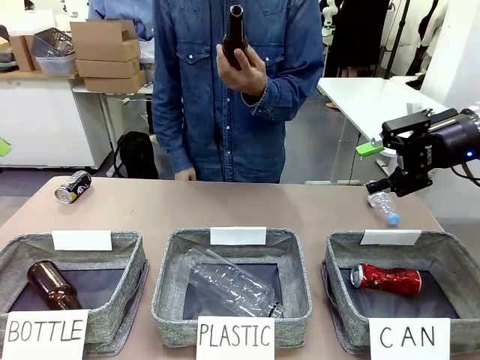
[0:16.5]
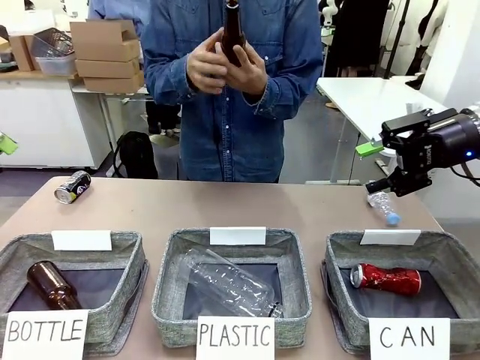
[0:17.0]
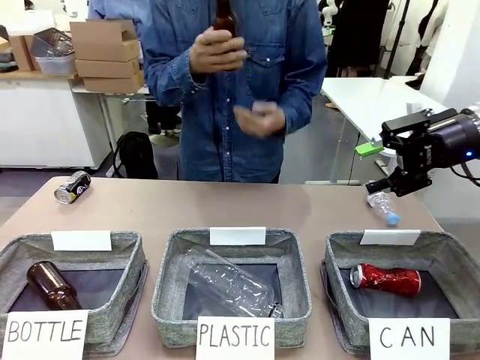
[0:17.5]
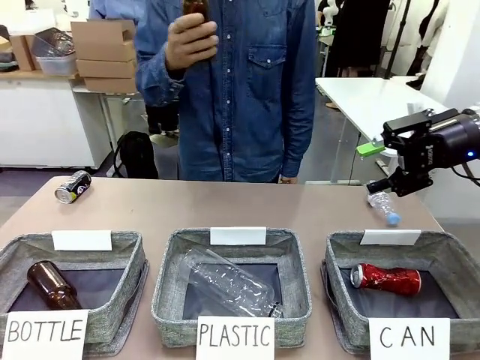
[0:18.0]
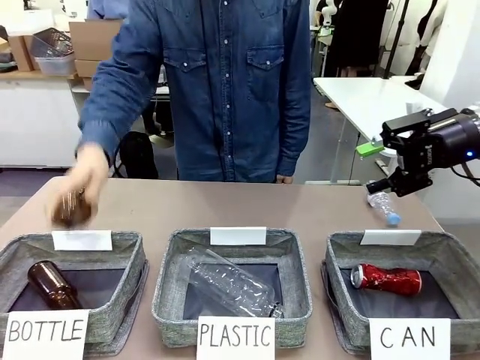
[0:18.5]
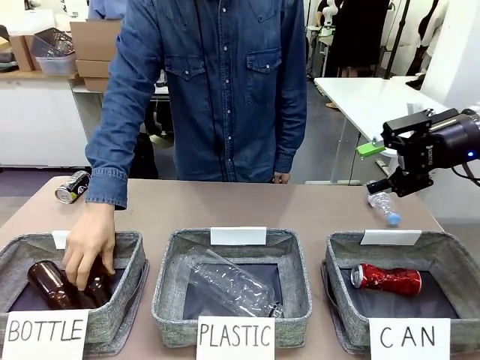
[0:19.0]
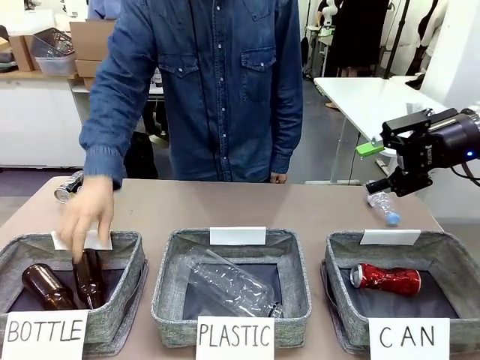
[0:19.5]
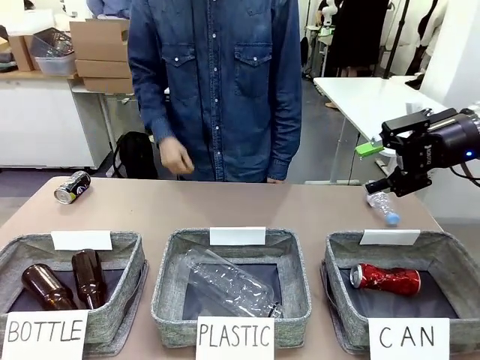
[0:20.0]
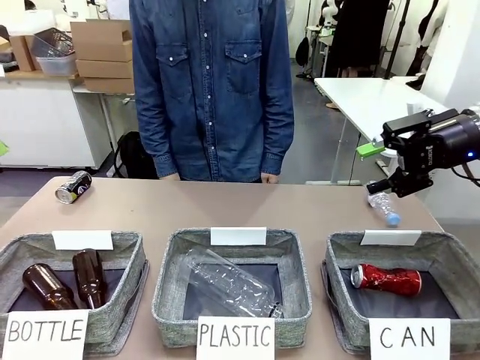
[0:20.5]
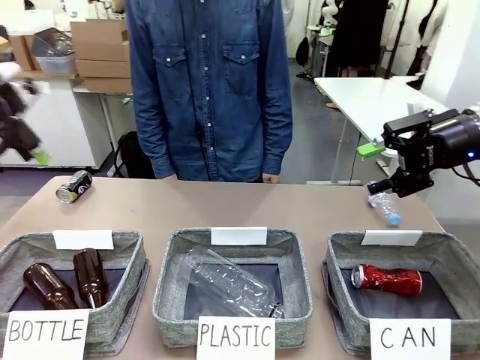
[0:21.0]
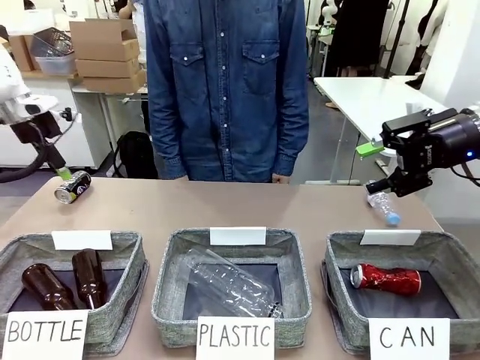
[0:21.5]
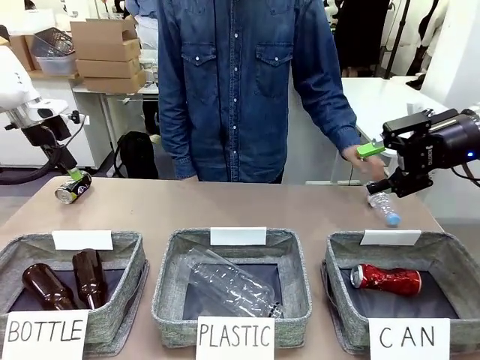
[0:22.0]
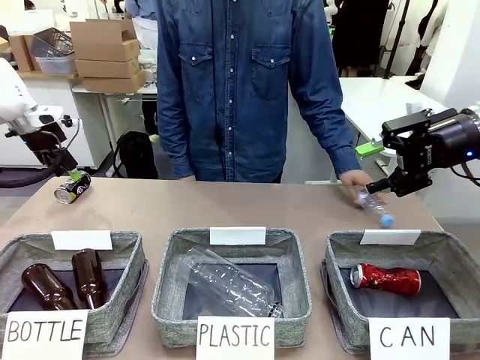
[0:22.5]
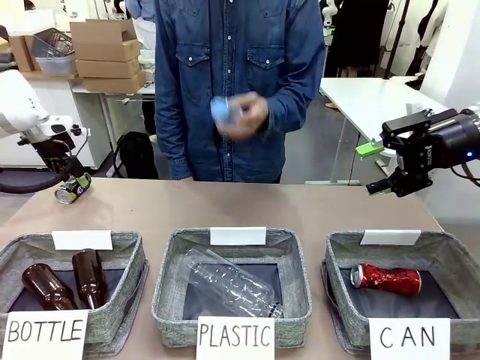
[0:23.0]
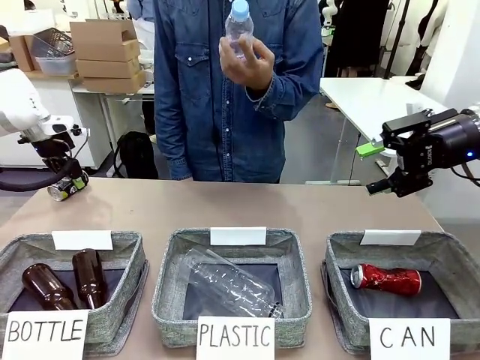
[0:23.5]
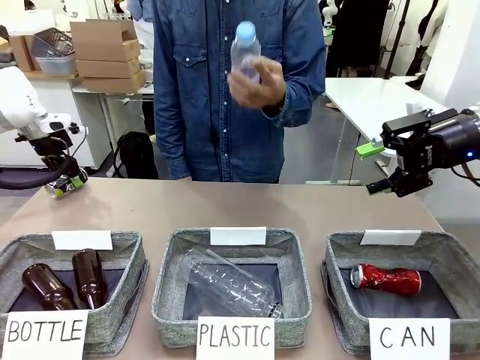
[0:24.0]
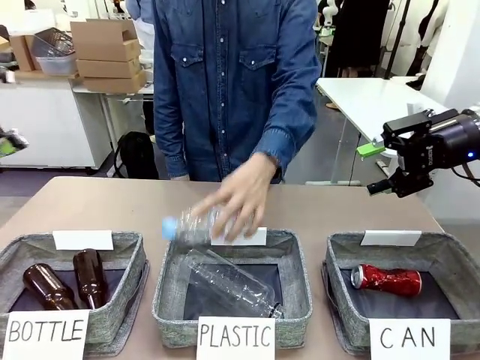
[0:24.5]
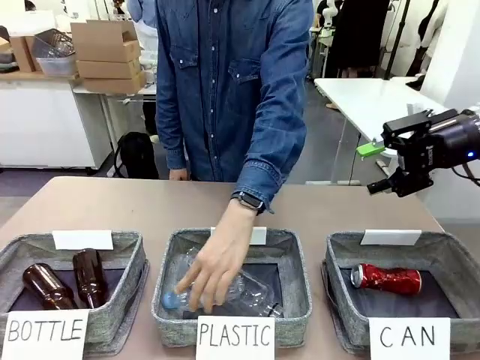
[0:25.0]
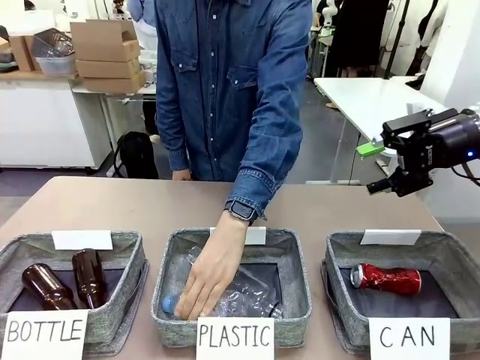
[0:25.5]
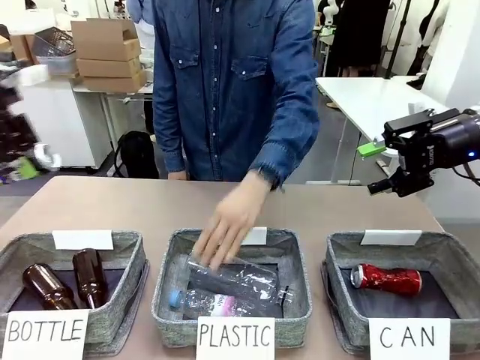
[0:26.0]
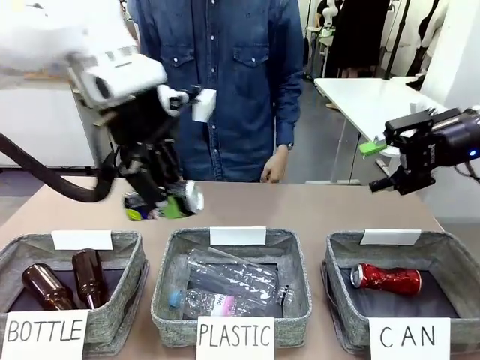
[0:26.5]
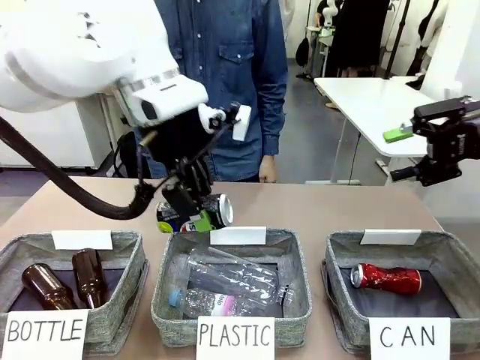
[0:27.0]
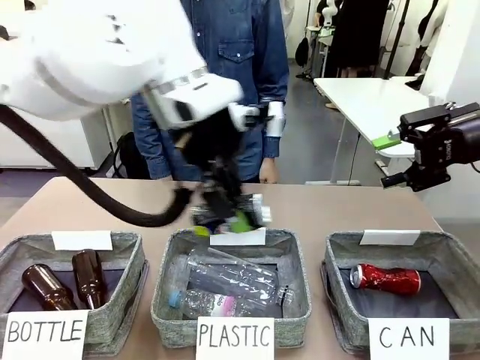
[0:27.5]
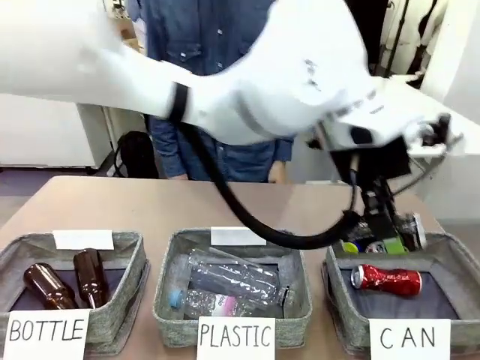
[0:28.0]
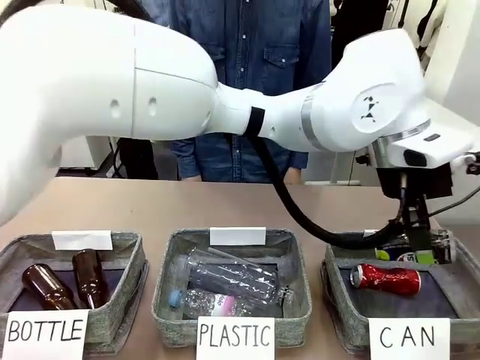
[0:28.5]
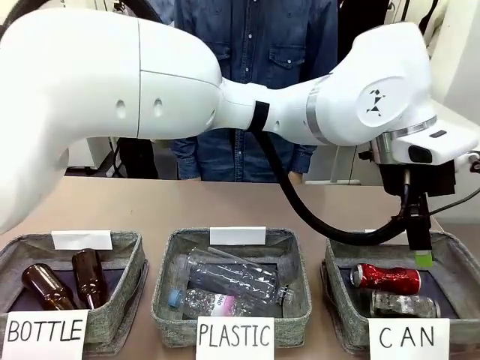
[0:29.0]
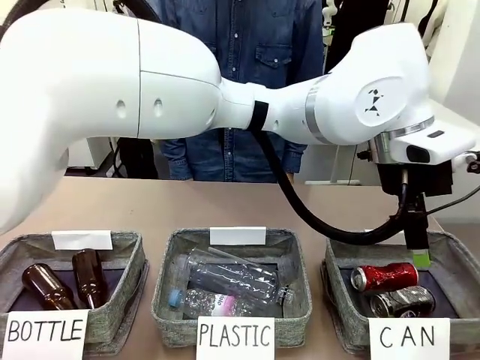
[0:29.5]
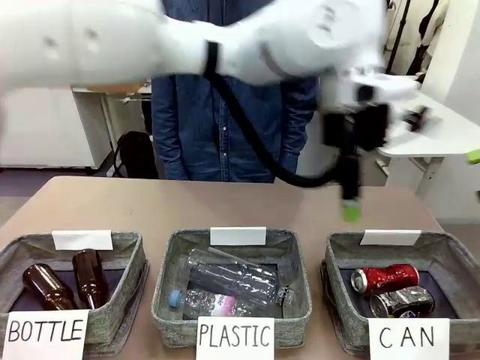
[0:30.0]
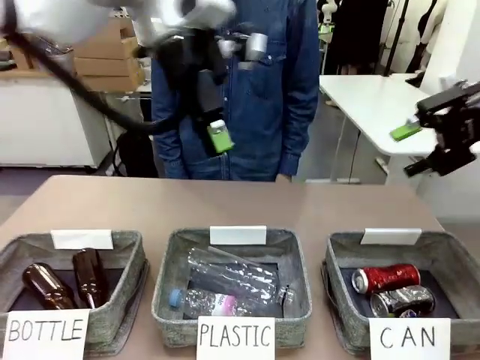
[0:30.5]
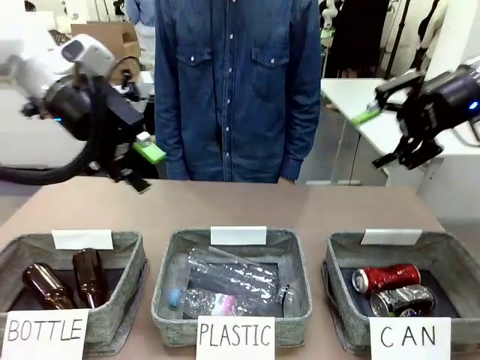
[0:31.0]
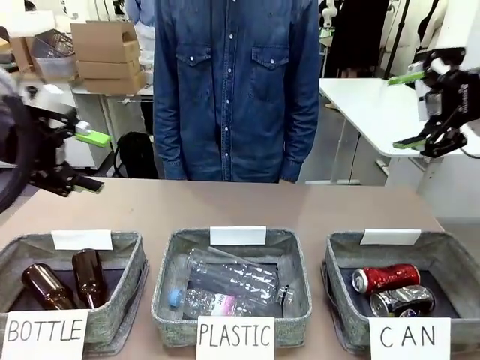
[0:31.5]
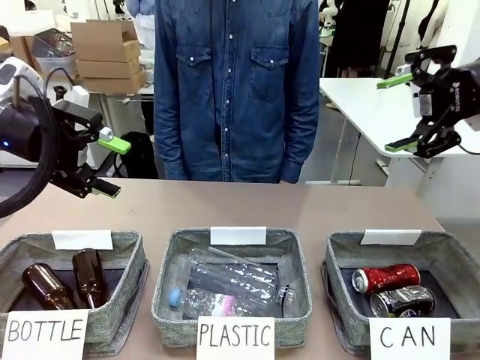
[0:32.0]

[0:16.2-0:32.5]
Task: Sort the can waste into the basket.
Robot: Pick up the can waste from the table and place it in the right Fabric basket.
Person: The human picks up one piece of trash that is not a can and places the trash into the appropriate organizing basket.

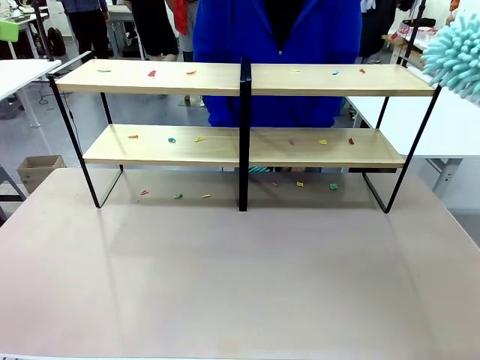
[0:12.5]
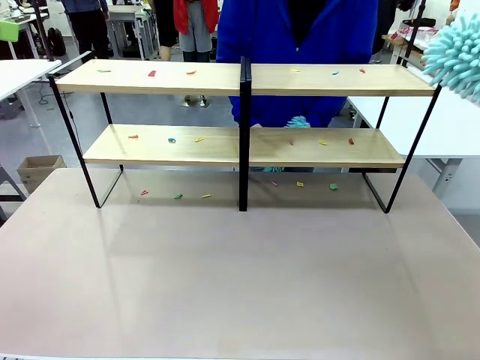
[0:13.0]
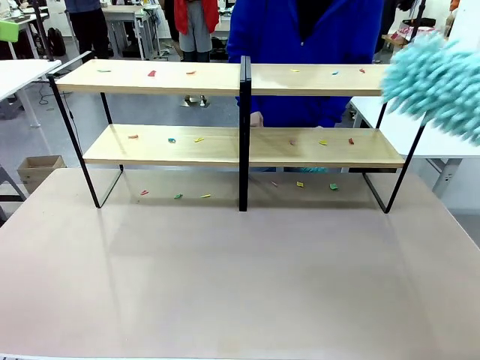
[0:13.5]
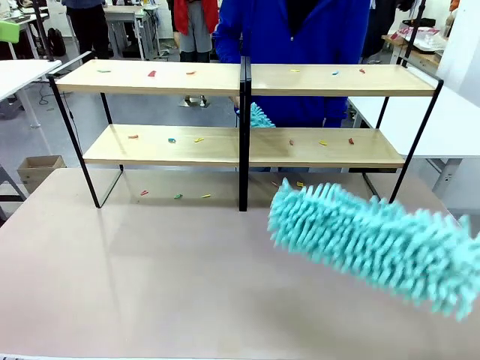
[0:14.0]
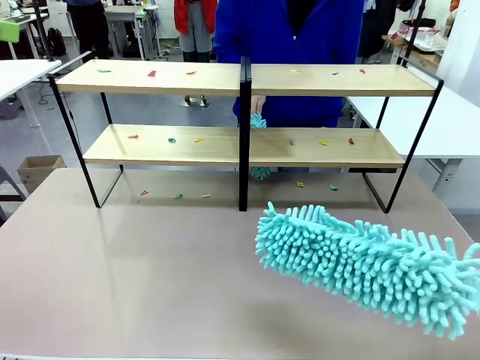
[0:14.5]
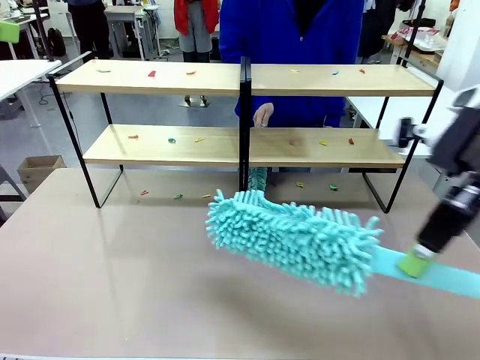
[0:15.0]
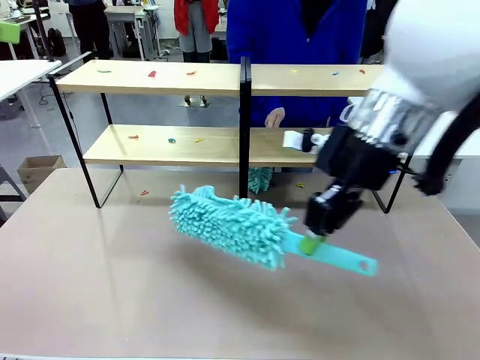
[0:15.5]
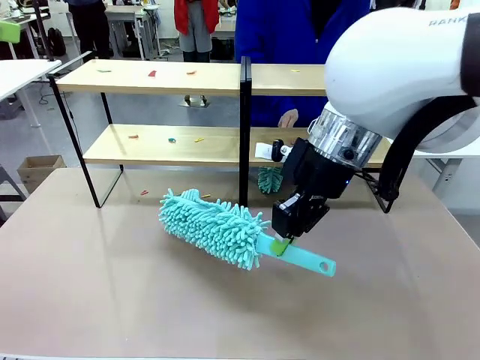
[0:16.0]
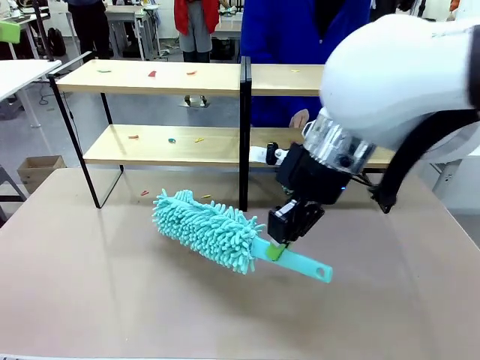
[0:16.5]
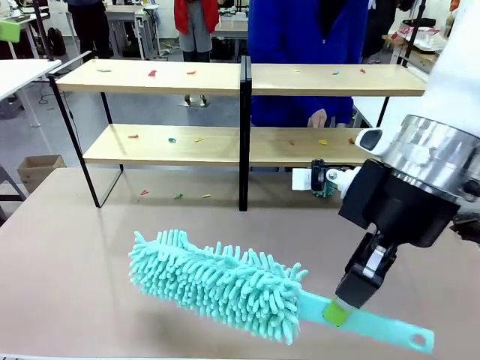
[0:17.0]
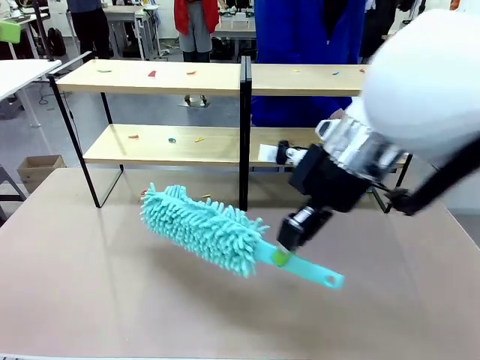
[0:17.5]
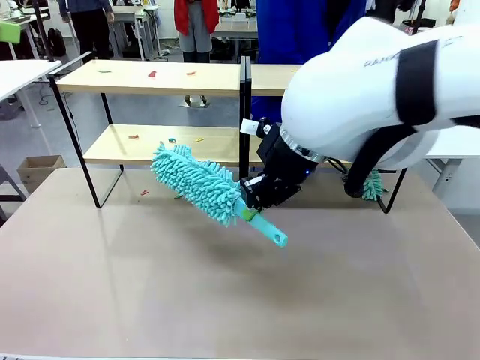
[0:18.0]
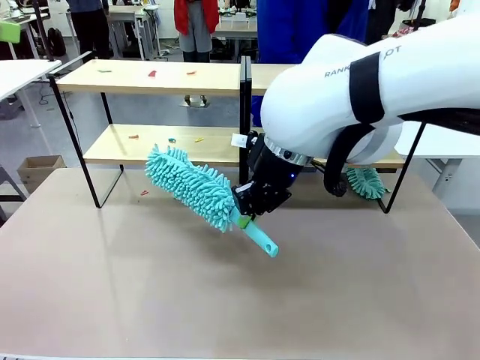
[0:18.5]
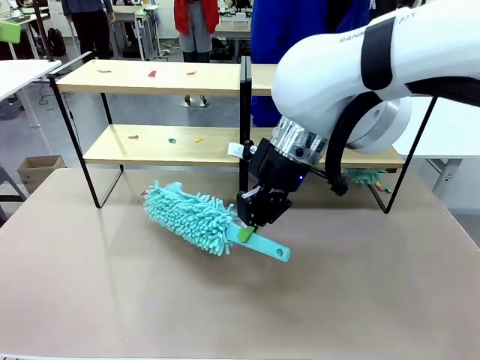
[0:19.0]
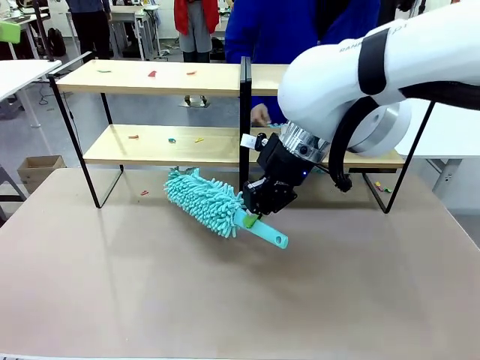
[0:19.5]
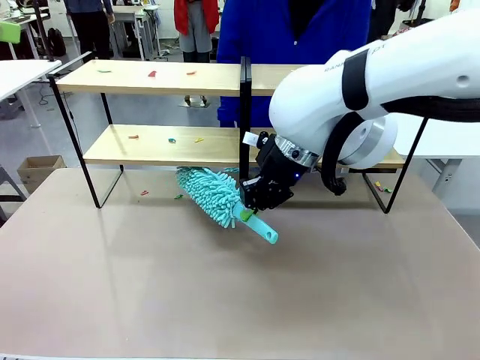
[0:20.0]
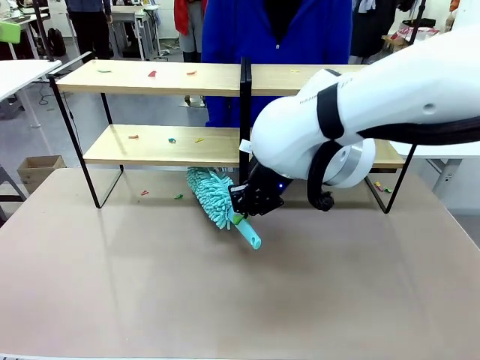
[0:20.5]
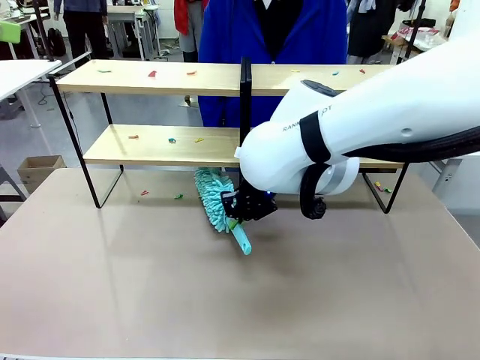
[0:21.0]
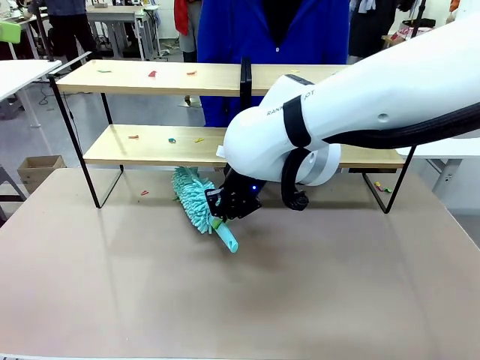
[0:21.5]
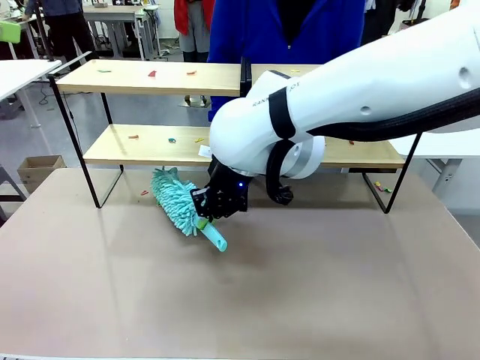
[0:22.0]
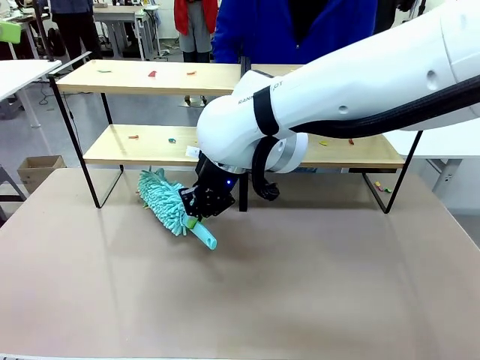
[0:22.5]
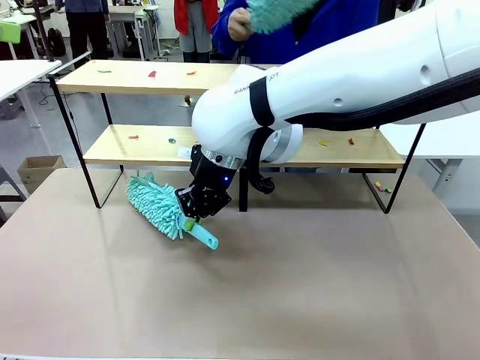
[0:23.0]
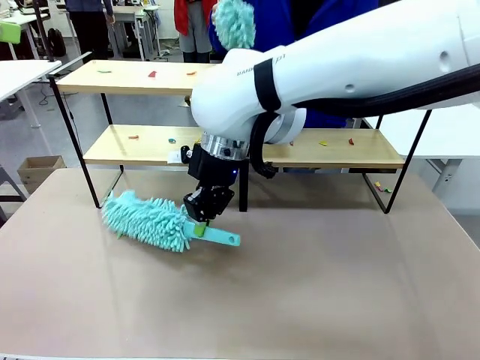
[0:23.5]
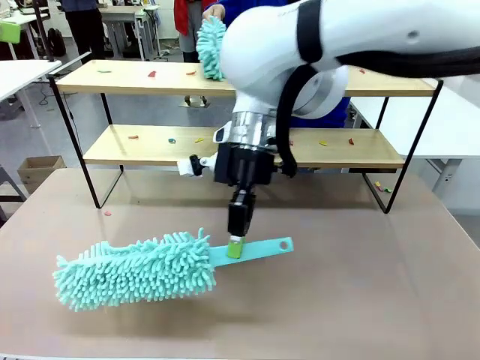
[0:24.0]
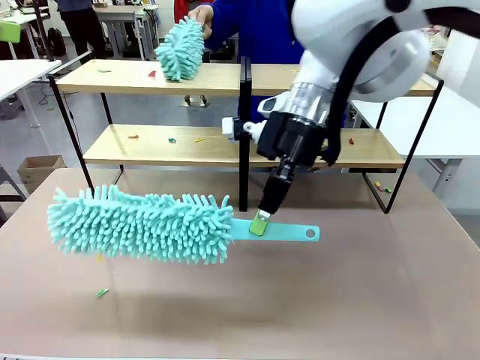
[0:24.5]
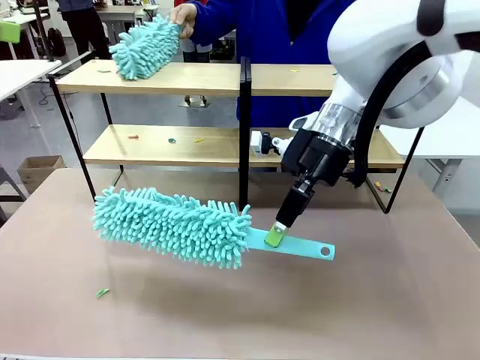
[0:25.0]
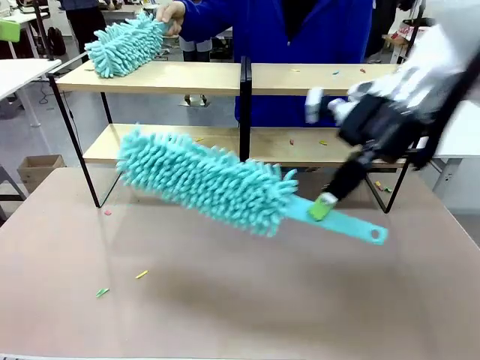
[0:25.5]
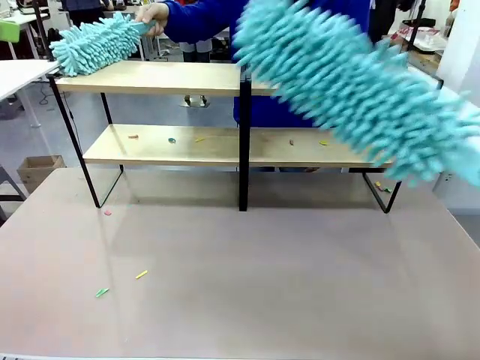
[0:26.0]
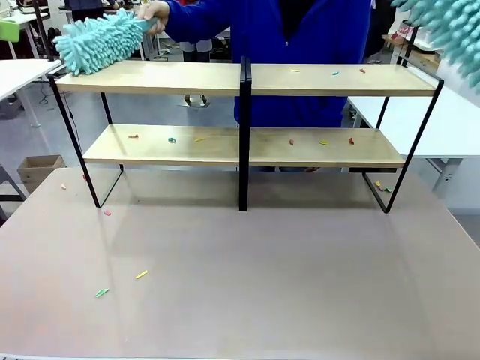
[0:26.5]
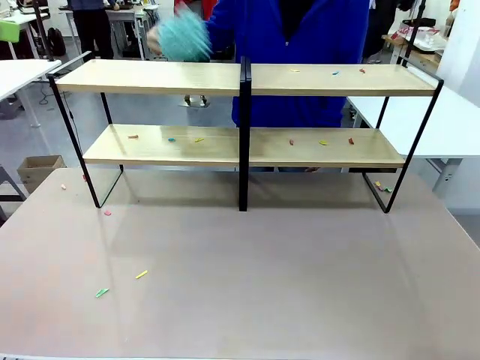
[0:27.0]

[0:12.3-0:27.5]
Task: Clean the shelves.
Robot: Clean a randomly selected level of the Shelf with the Duster.
